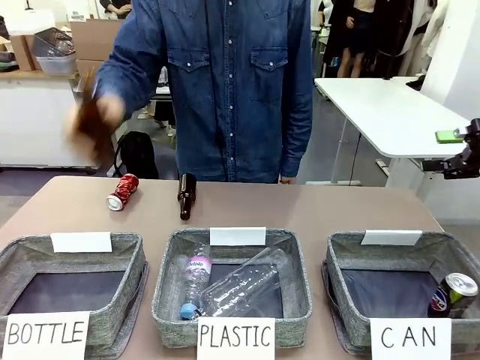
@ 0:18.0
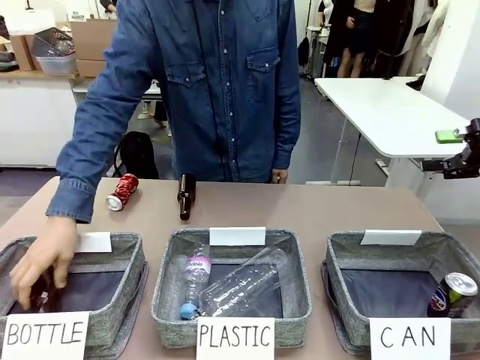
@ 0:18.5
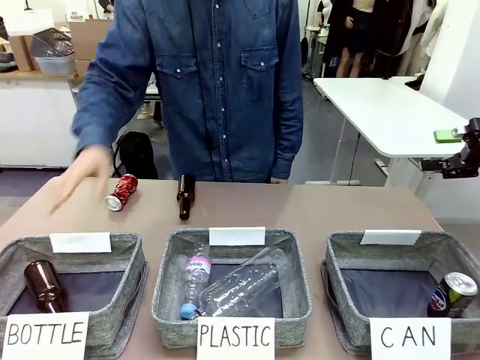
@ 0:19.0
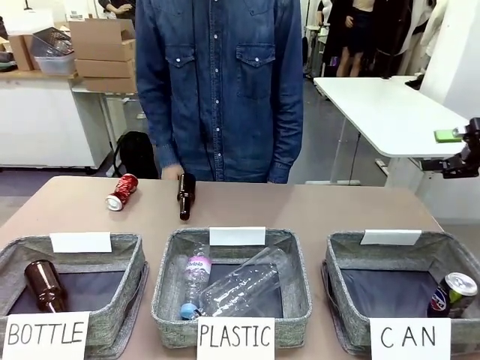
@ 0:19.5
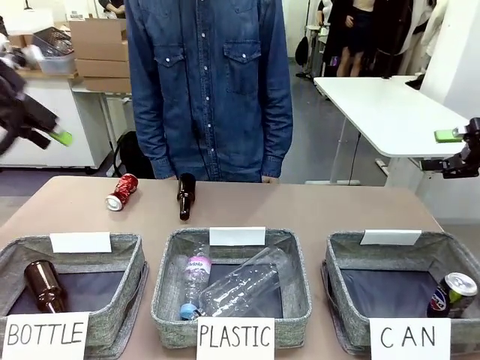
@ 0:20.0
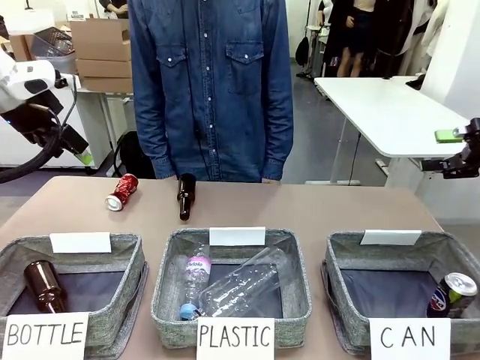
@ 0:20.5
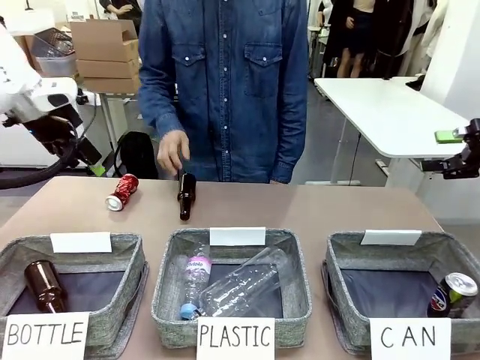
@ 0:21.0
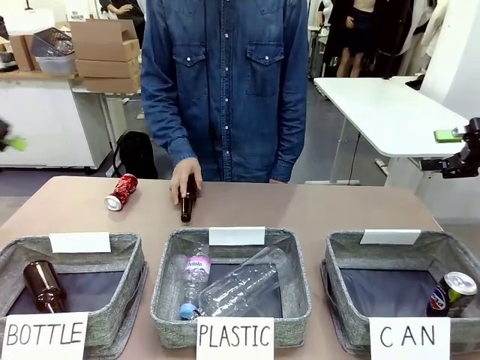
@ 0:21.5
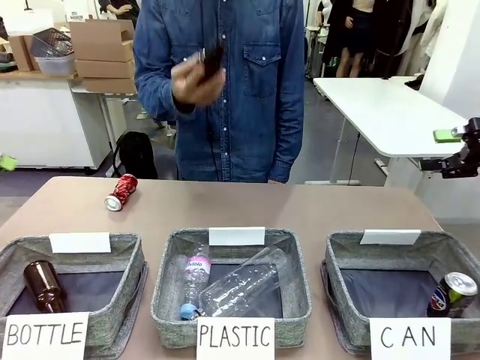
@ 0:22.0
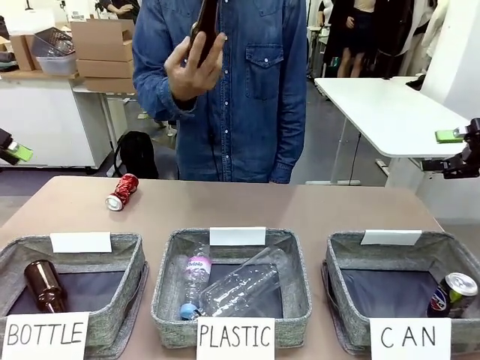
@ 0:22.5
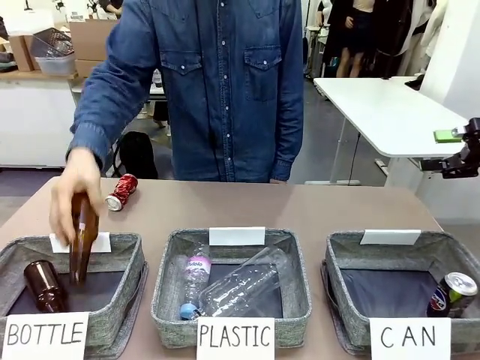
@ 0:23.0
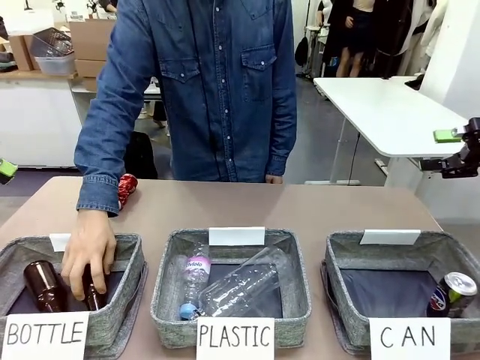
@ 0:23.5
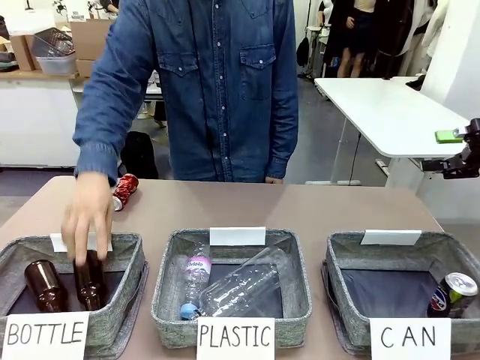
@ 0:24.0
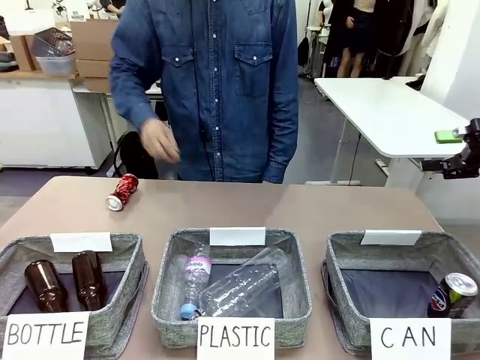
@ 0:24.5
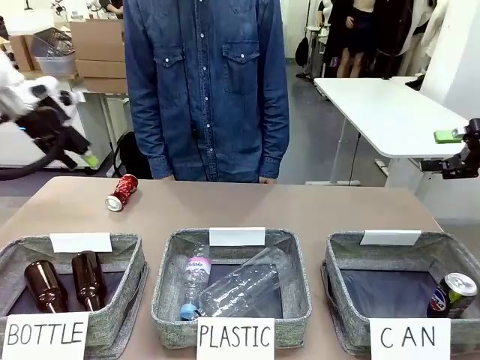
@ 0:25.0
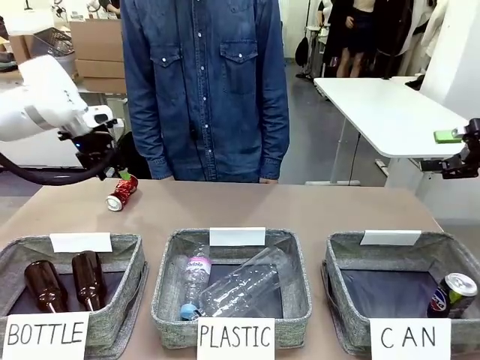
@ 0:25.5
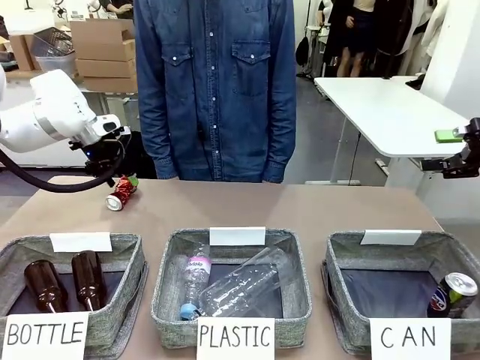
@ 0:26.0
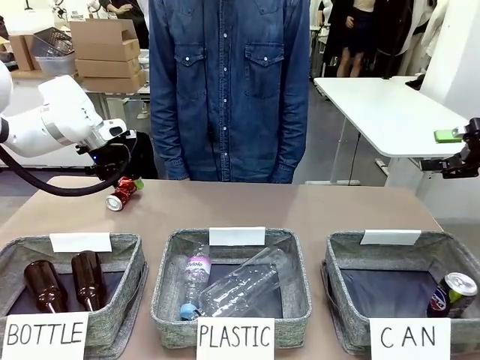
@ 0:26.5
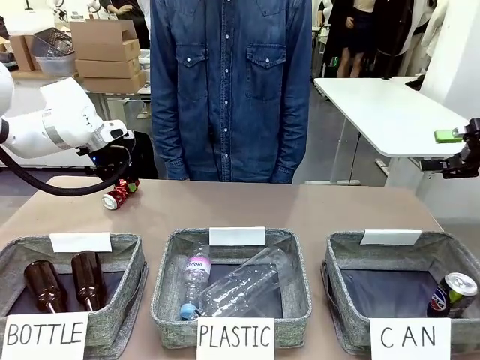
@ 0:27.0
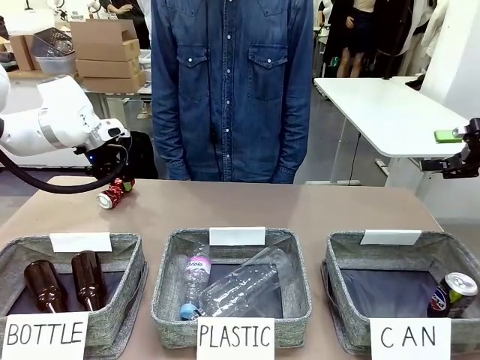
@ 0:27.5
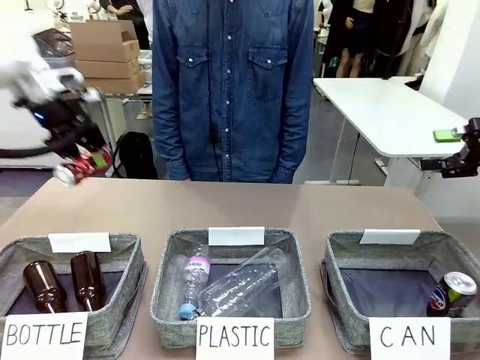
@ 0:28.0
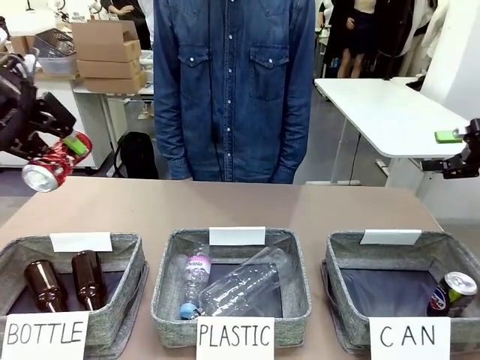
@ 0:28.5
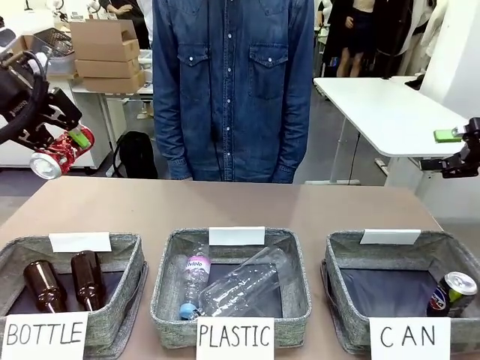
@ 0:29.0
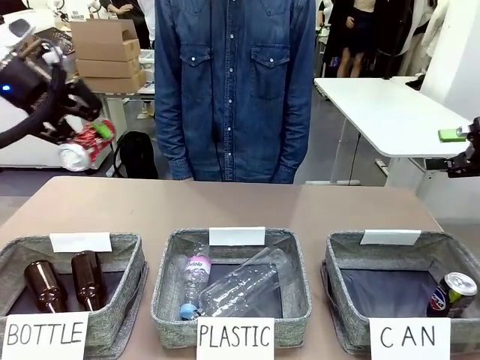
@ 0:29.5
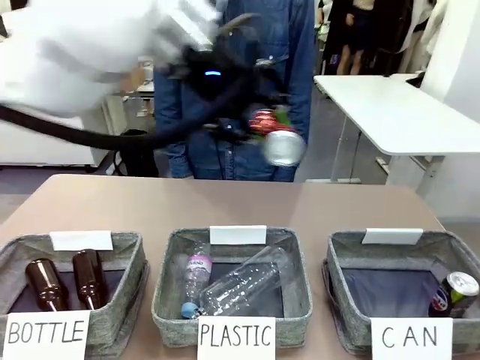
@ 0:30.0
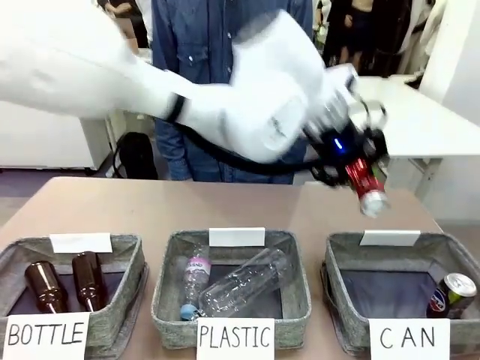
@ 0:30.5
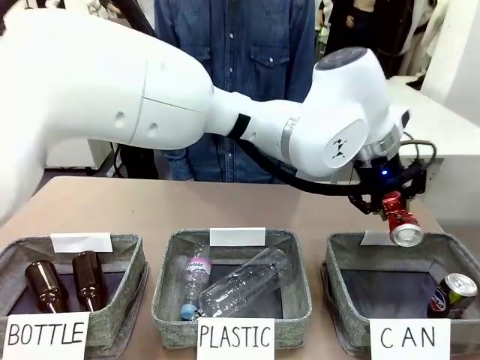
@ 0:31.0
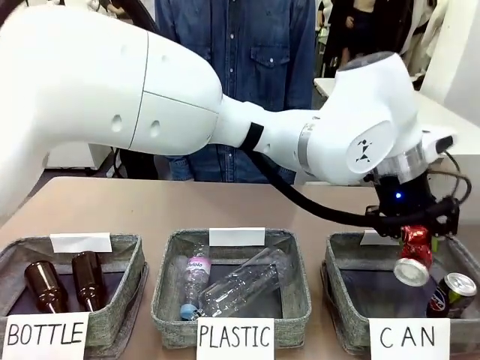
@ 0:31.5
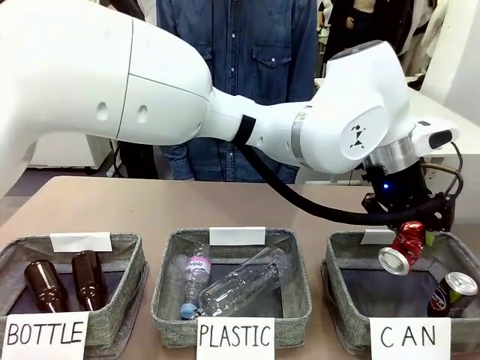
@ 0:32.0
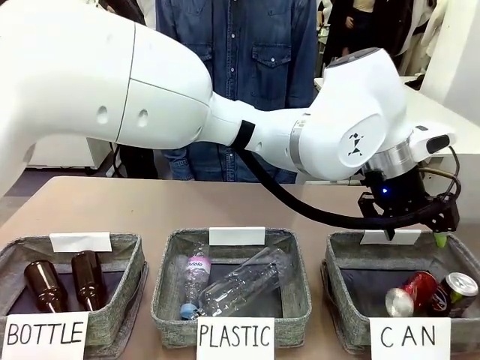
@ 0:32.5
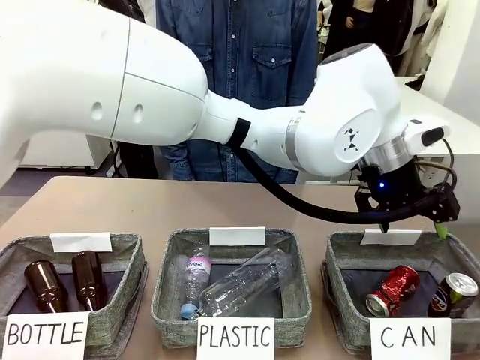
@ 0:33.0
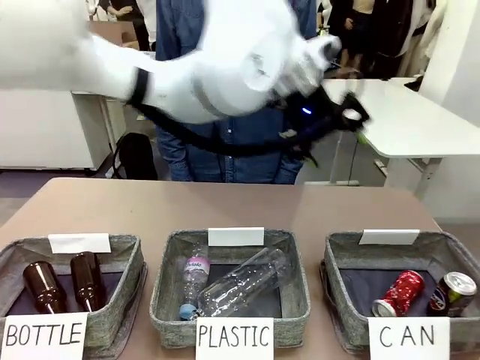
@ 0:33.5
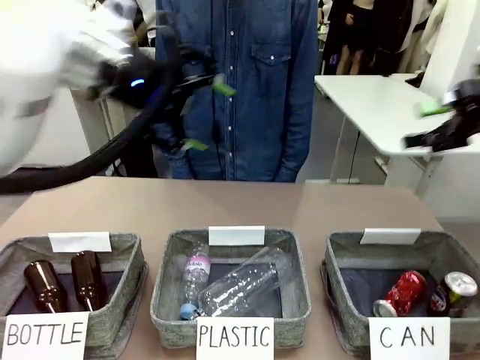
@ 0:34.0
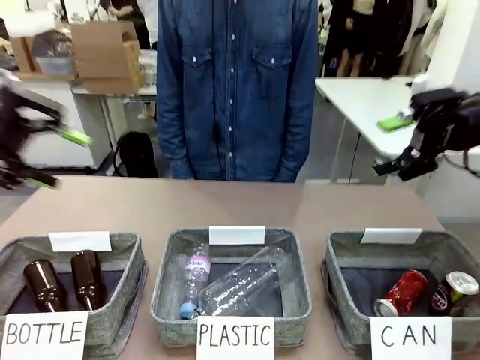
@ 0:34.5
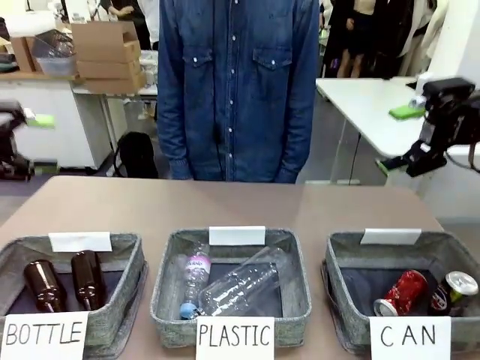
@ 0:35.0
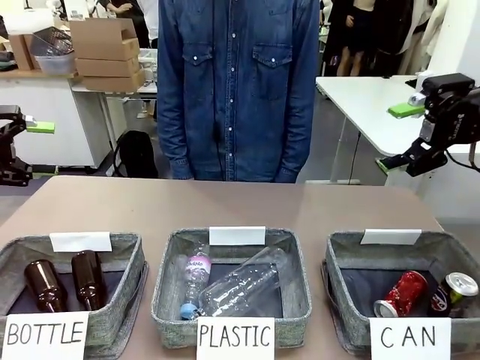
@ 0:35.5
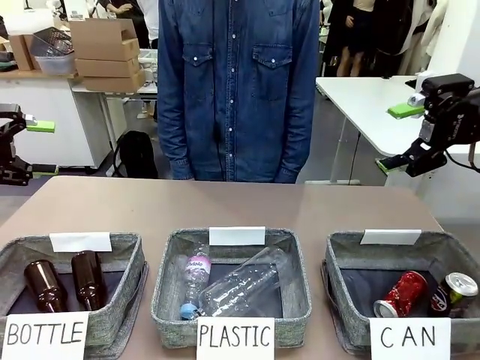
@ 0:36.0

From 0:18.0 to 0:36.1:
Task: Sort the can waste into the basket.
Robot: Pick up the can waste from the table and place it in the right Fabric basket.
Person: The human picks up one piece of trash that is not a can and places the trash into the appropriate organizing basket.
